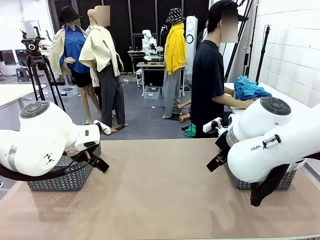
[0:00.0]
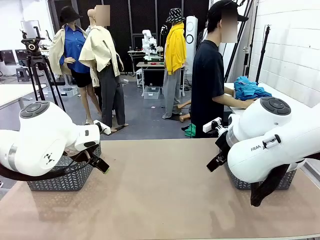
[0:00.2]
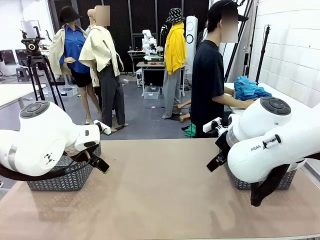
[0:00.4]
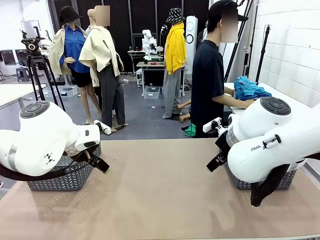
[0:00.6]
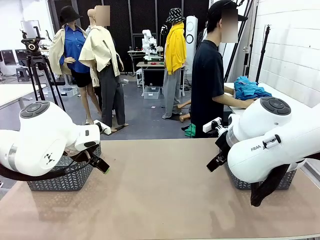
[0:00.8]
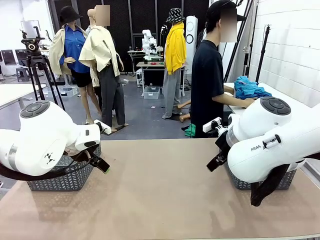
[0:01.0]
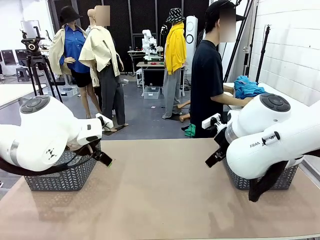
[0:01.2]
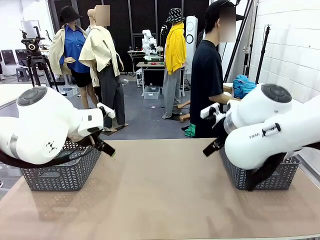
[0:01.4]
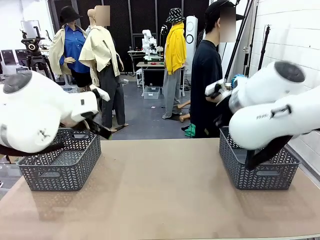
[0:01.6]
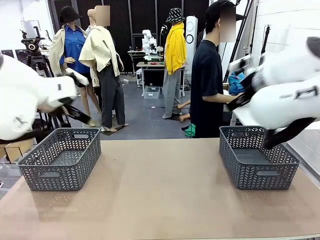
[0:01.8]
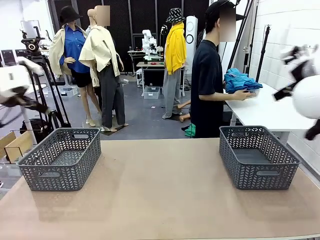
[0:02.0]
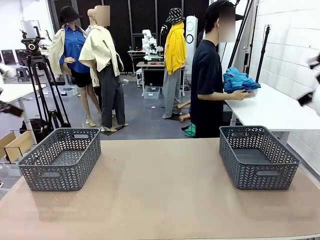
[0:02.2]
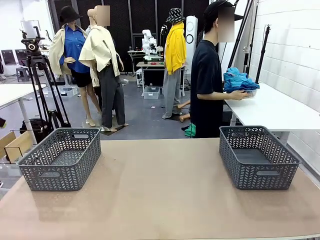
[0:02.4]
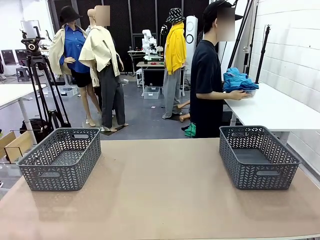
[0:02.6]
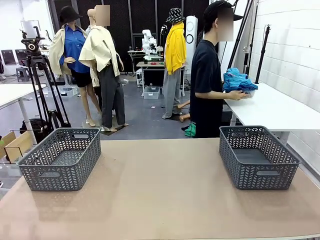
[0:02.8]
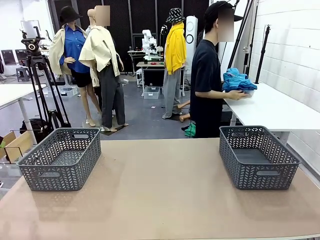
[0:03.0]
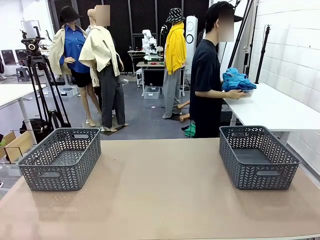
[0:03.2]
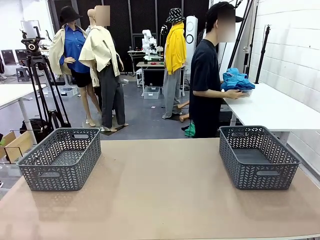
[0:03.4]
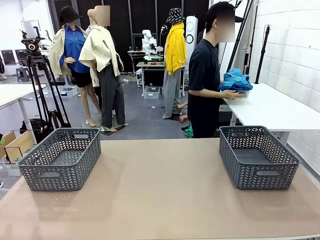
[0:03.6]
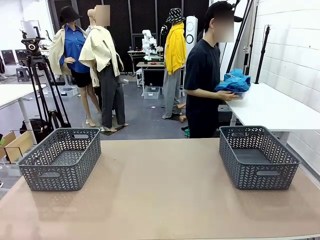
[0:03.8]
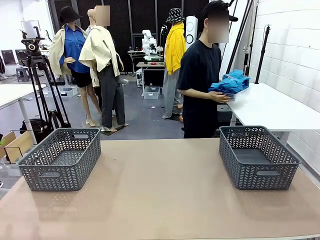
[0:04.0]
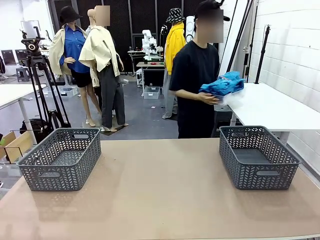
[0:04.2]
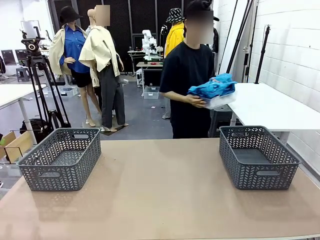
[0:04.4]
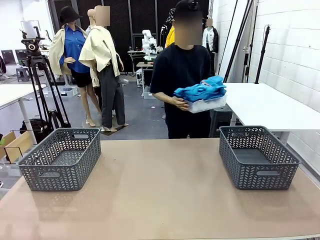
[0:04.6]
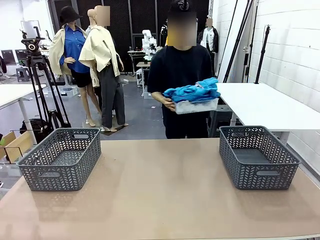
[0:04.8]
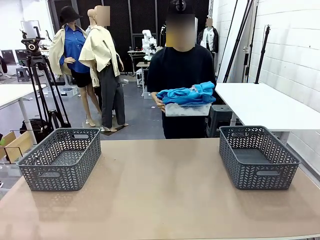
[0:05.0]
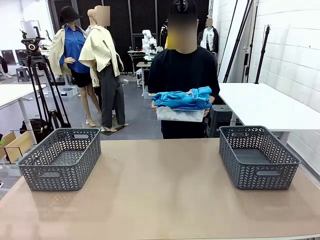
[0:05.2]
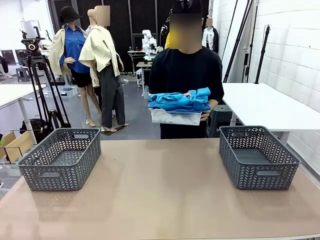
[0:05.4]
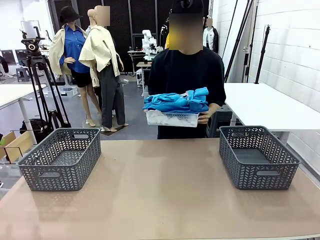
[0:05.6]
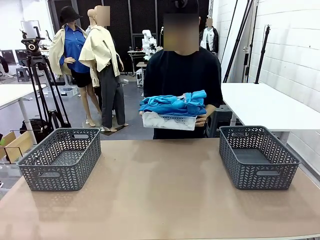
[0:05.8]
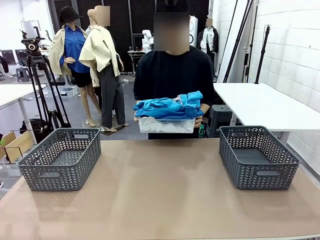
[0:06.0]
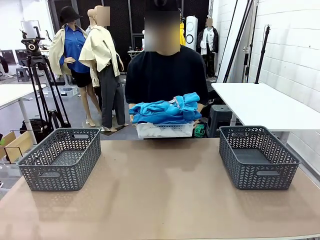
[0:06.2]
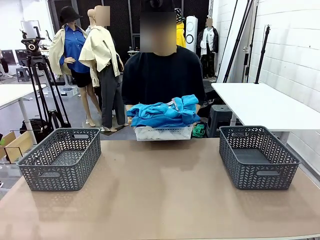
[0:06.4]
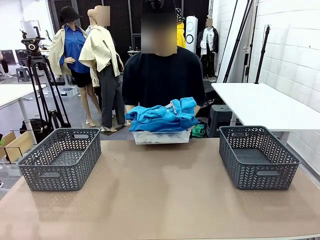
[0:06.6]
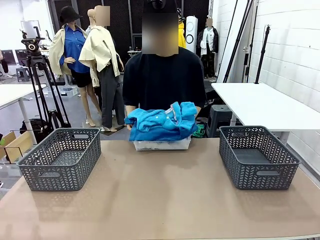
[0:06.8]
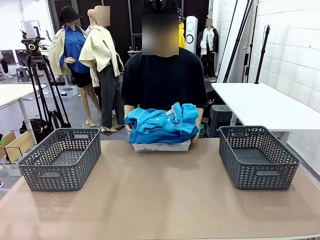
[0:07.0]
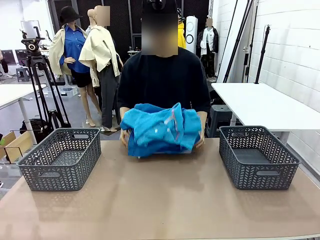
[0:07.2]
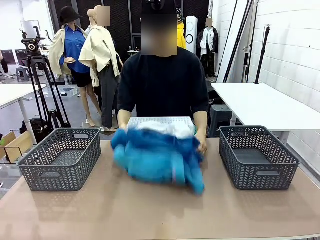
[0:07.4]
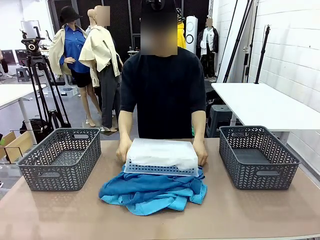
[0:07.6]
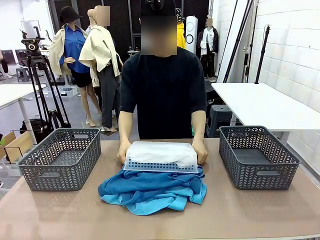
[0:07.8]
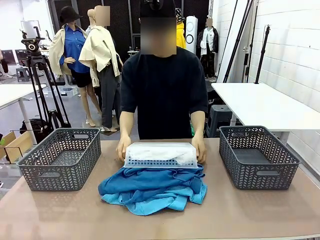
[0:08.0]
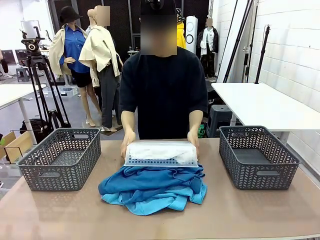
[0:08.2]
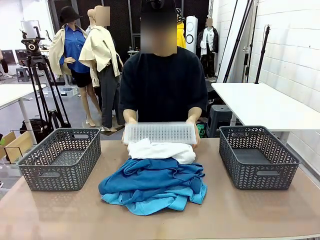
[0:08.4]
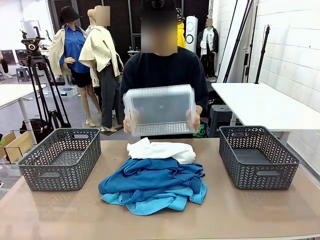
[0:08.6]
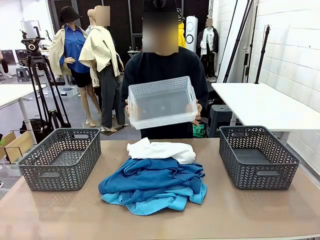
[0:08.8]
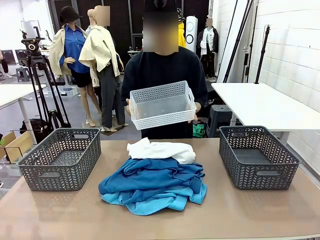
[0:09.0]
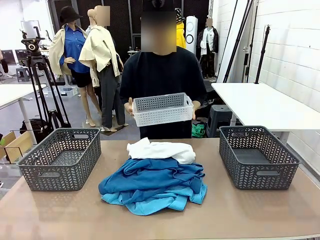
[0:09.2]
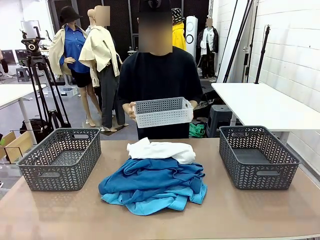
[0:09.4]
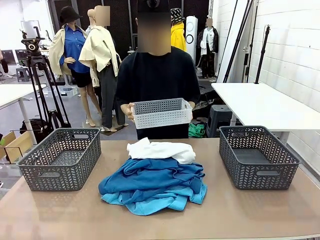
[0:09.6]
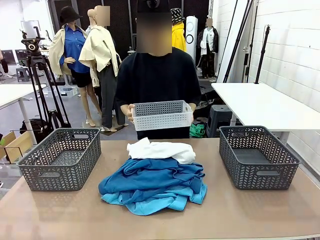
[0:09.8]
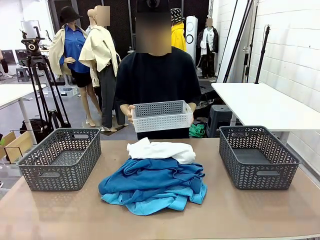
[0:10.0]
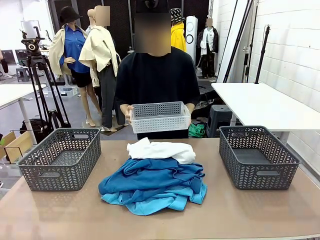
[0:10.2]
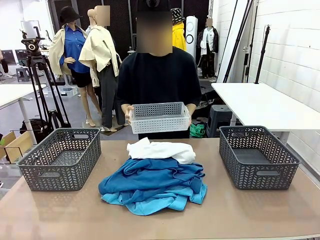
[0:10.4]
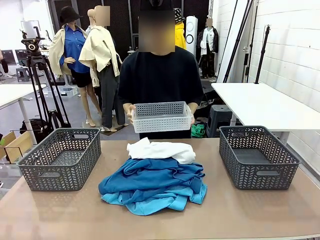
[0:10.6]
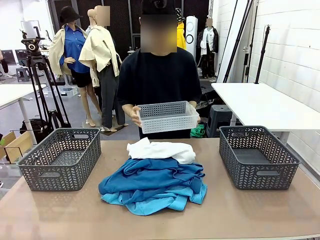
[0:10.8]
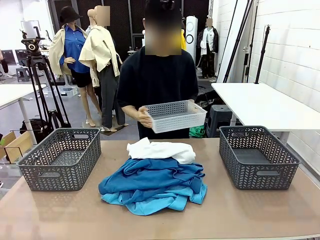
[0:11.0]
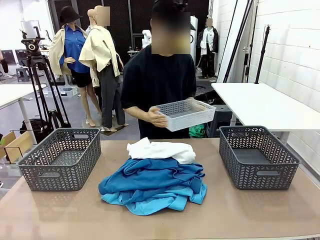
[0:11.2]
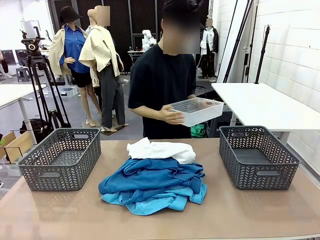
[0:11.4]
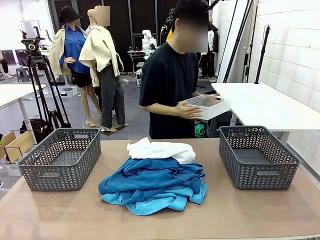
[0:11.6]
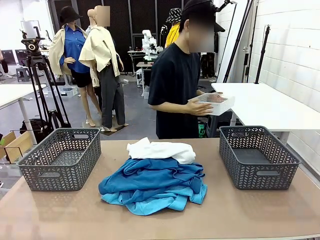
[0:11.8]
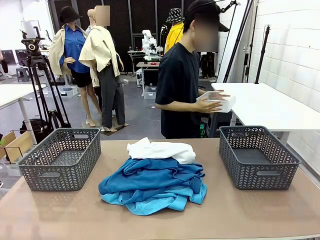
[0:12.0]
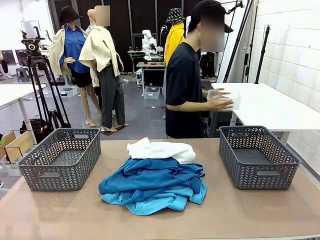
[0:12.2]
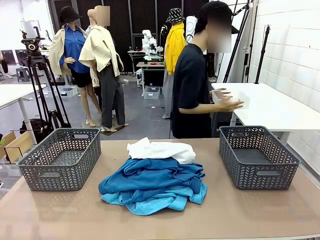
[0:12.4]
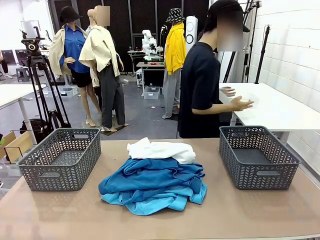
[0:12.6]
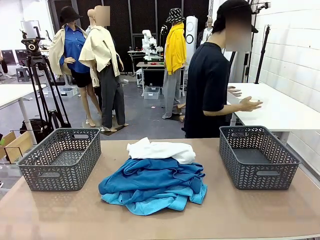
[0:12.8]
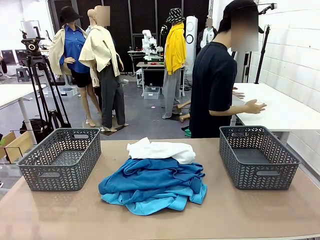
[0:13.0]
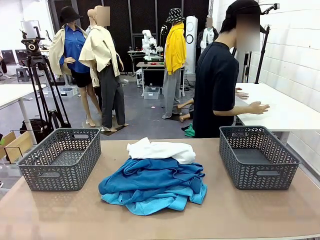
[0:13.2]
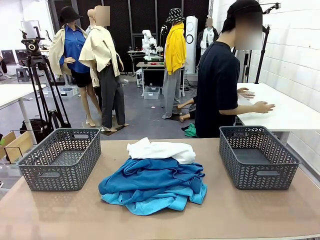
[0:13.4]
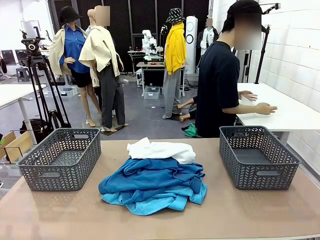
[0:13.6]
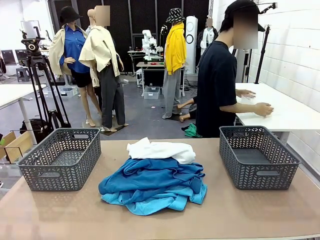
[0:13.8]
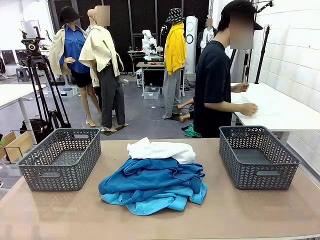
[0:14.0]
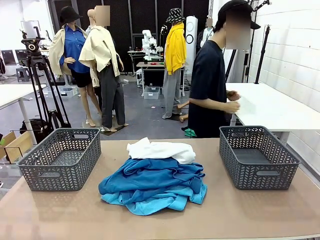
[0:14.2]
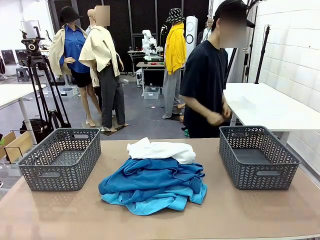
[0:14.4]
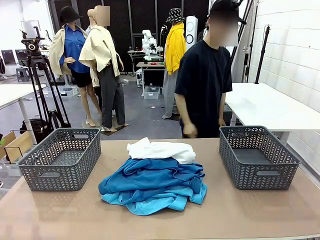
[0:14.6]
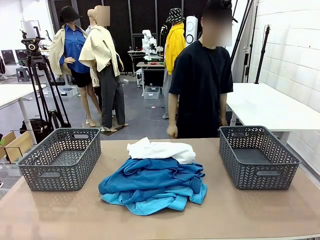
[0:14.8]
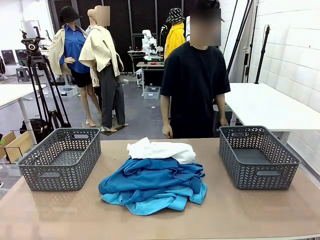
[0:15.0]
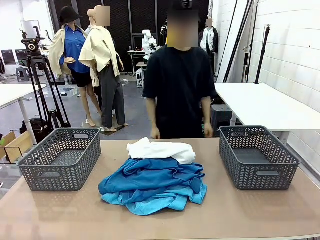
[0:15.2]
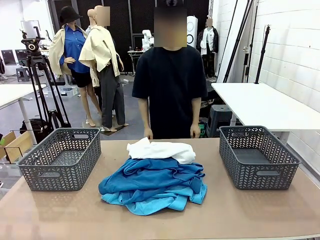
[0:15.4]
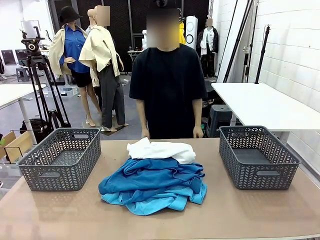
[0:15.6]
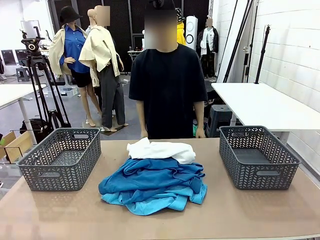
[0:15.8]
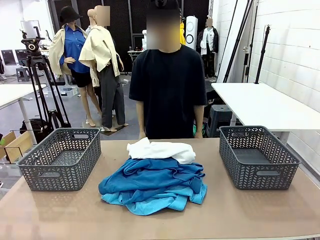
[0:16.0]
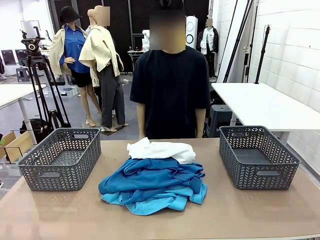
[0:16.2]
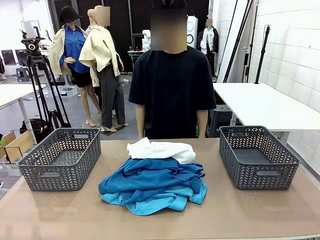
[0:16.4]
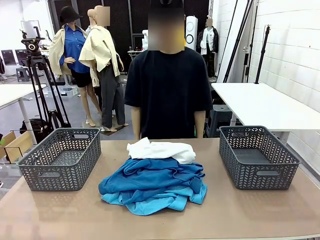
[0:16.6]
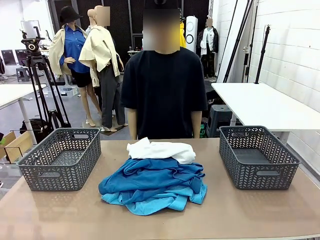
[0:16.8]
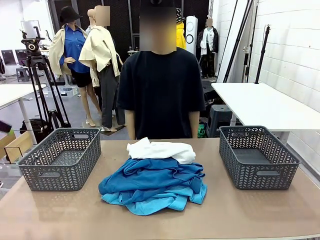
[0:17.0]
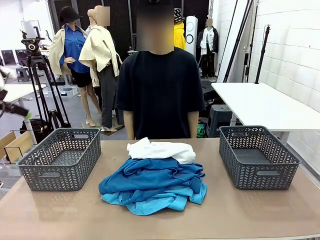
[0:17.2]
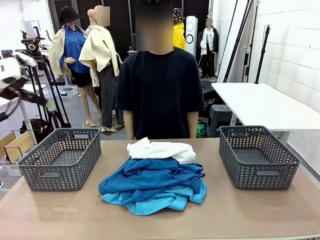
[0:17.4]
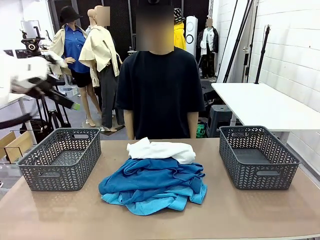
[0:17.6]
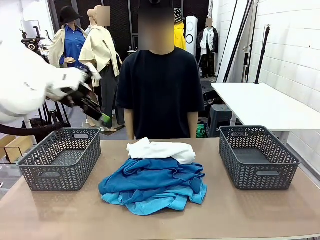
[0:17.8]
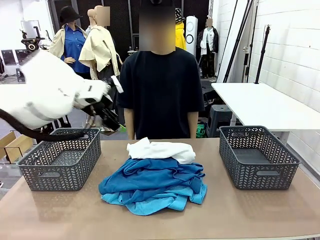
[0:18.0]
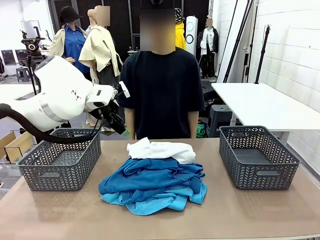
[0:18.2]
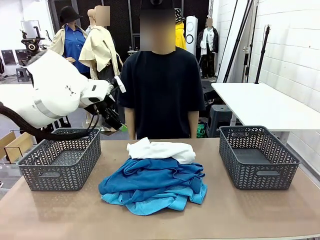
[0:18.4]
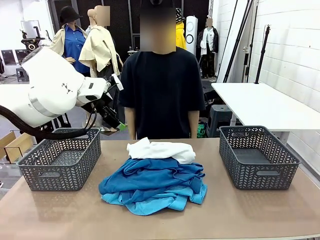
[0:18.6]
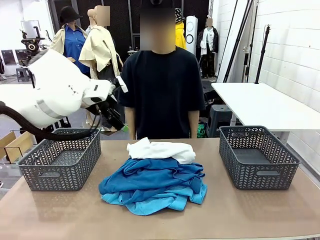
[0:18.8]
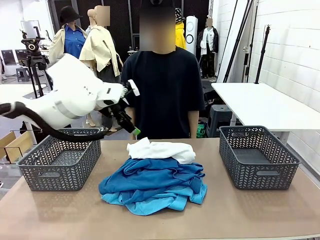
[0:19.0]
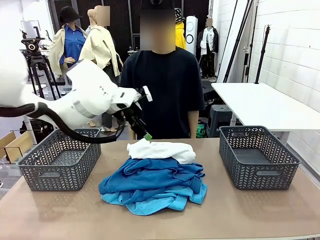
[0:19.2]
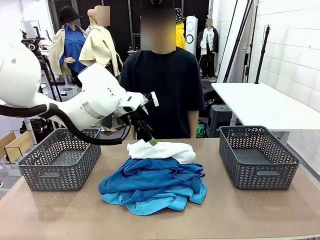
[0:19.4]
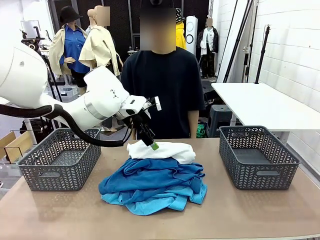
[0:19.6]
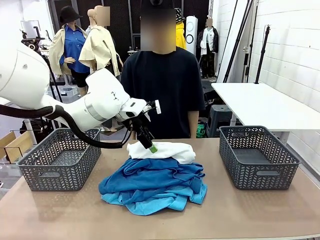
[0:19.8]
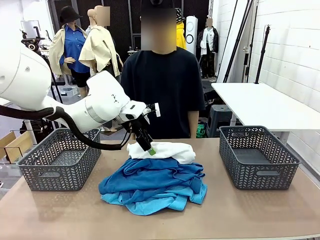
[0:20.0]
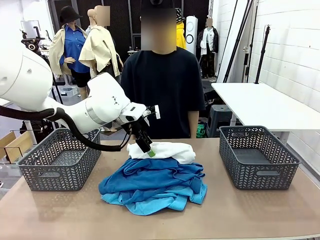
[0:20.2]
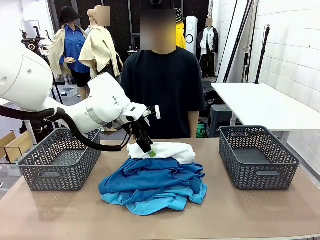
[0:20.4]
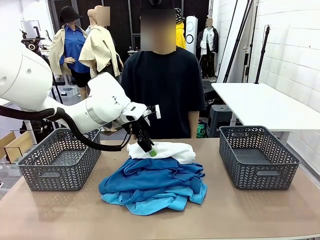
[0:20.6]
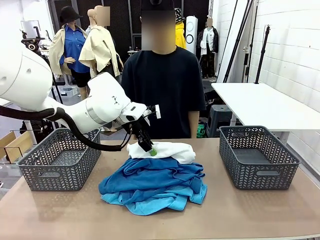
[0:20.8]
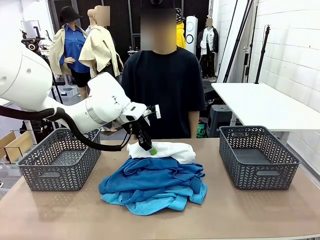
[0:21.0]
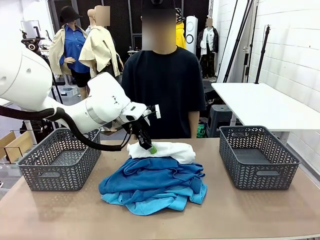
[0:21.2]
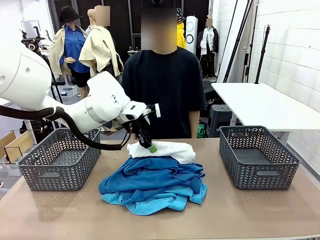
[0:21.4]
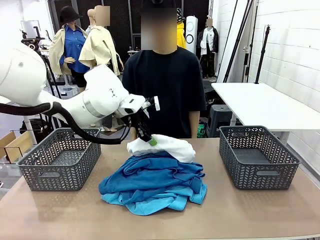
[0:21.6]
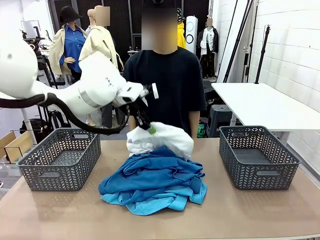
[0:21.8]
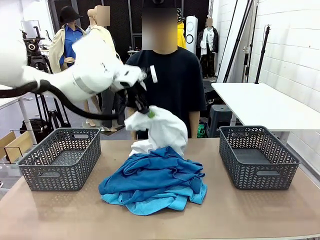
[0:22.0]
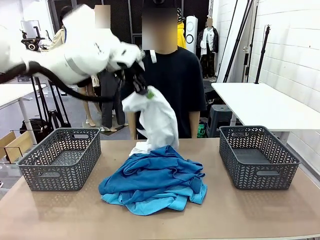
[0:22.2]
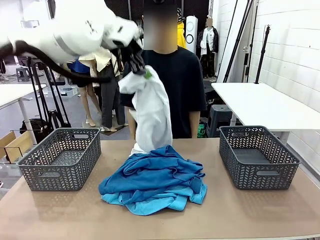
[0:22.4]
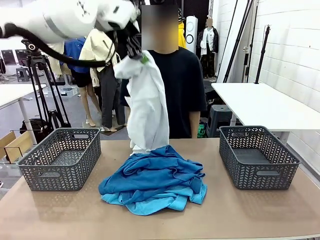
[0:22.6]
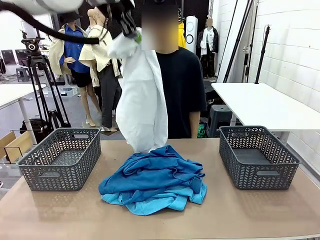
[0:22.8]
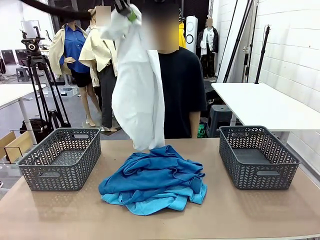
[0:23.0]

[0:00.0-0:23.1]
Task: Sort the tops and bottoms.
Robot: Lift clothes from the center of the table with your left hand.
Person: Pour the clothes from the basket onto the center of the robot table.
